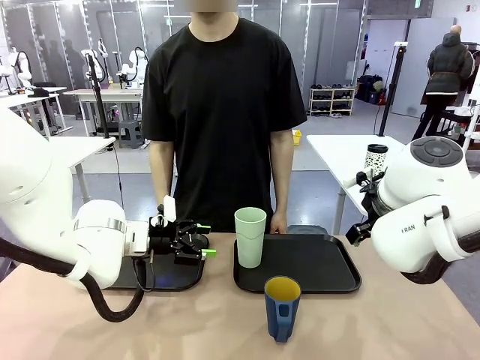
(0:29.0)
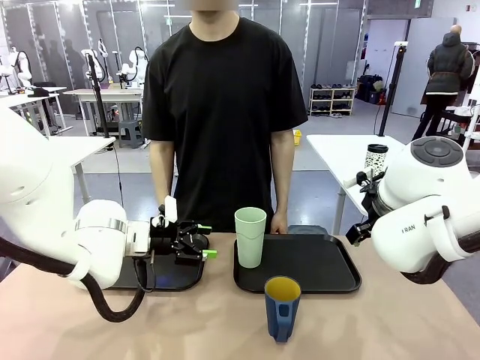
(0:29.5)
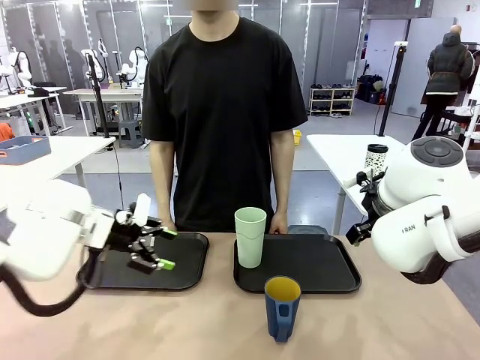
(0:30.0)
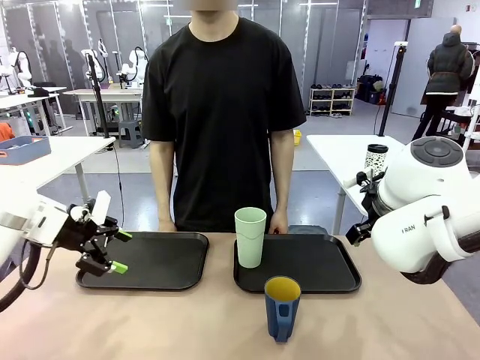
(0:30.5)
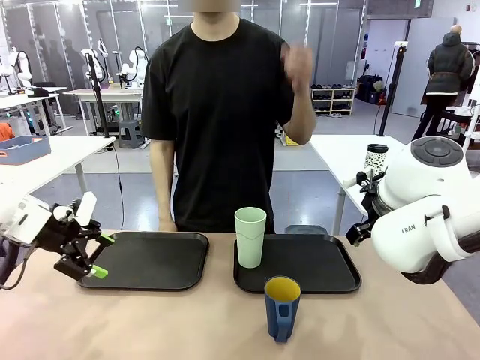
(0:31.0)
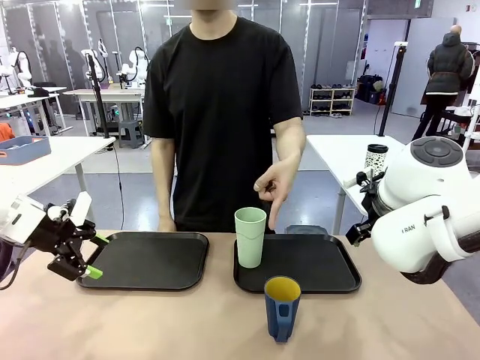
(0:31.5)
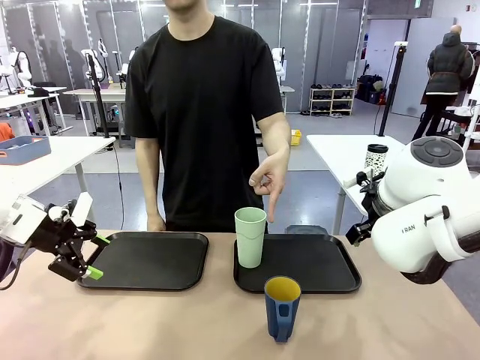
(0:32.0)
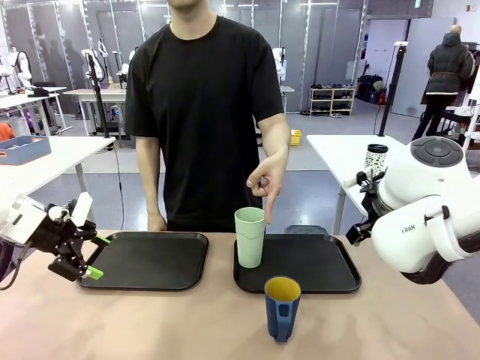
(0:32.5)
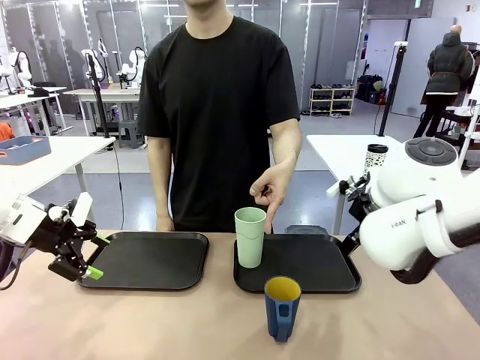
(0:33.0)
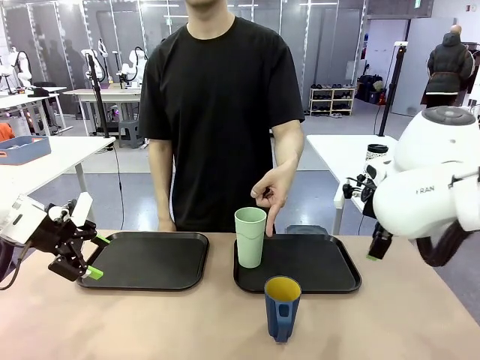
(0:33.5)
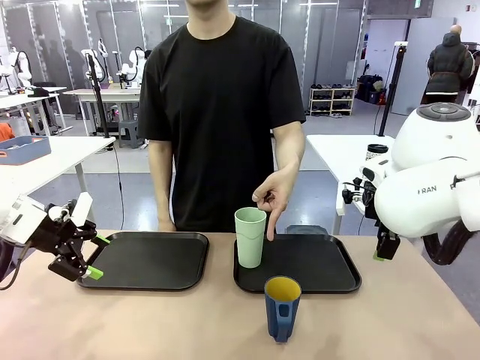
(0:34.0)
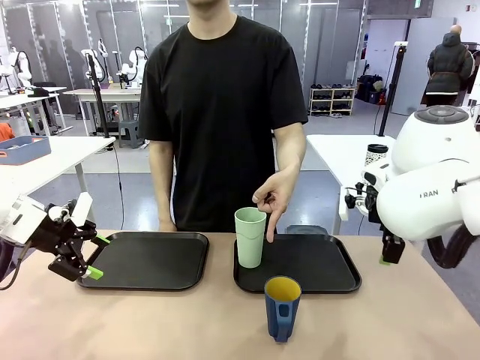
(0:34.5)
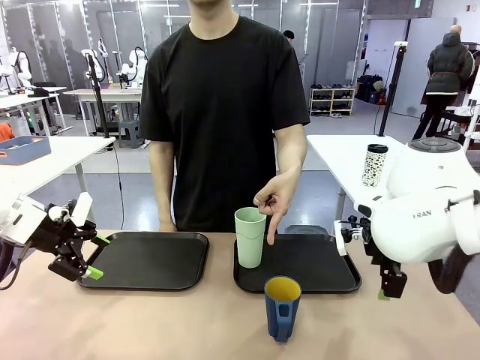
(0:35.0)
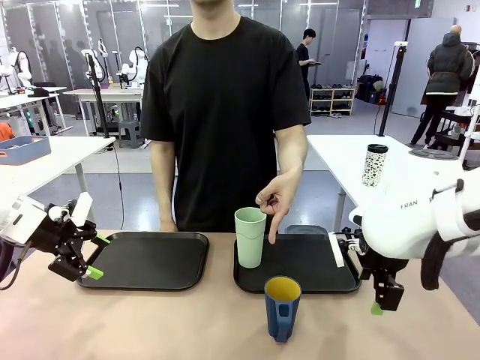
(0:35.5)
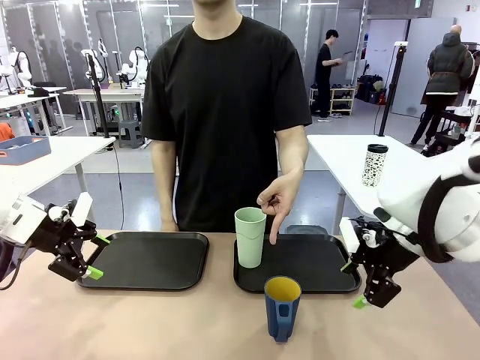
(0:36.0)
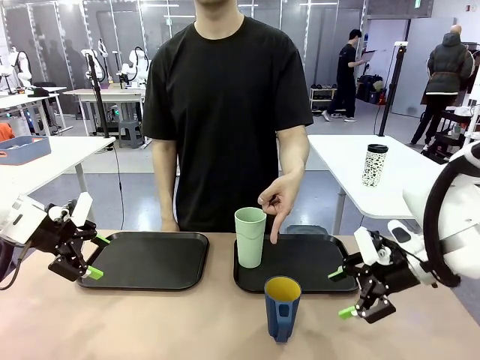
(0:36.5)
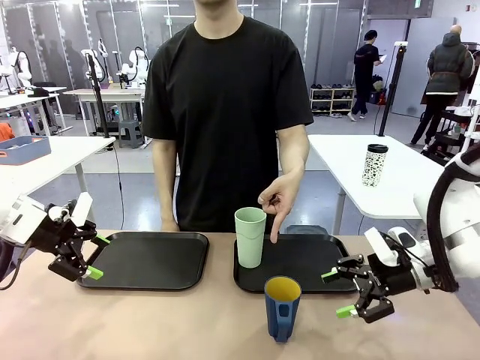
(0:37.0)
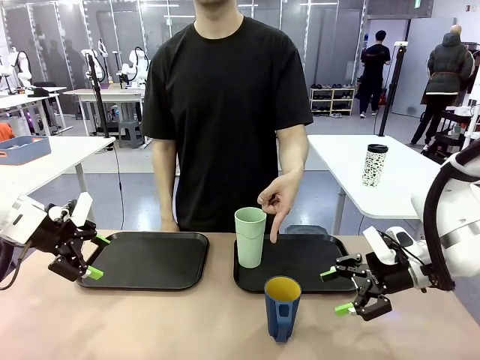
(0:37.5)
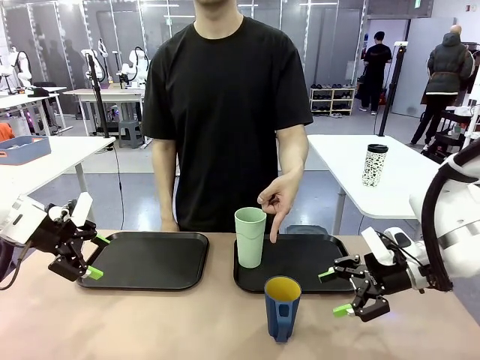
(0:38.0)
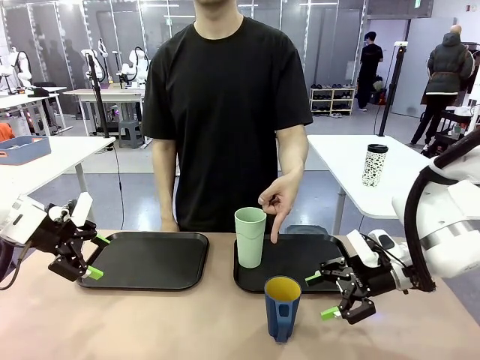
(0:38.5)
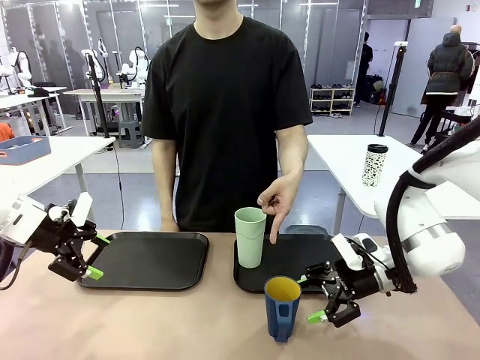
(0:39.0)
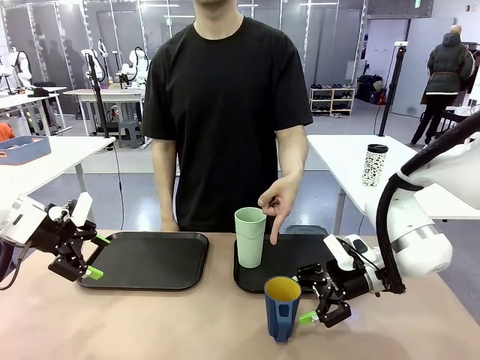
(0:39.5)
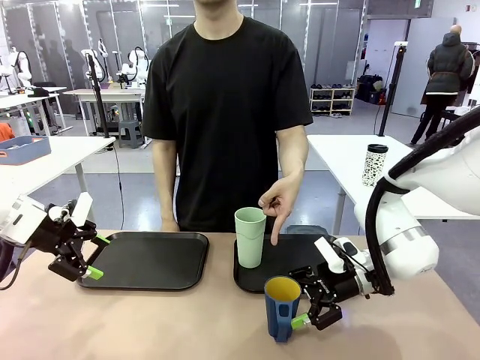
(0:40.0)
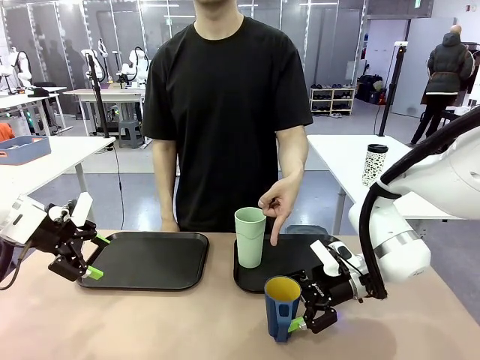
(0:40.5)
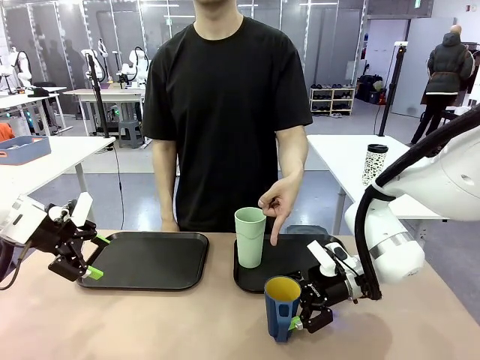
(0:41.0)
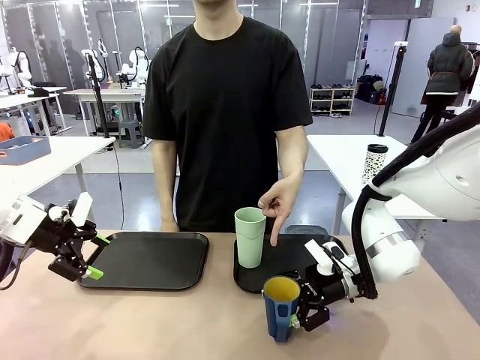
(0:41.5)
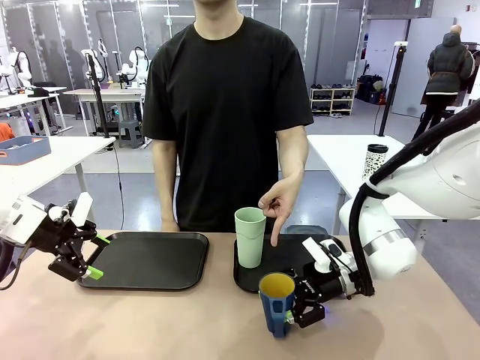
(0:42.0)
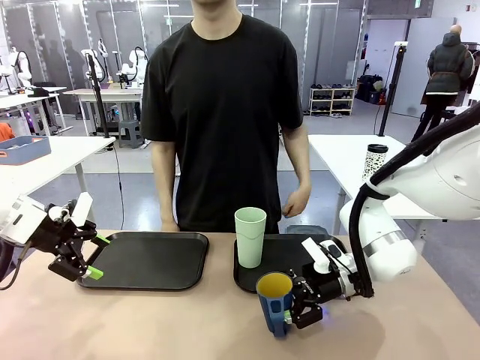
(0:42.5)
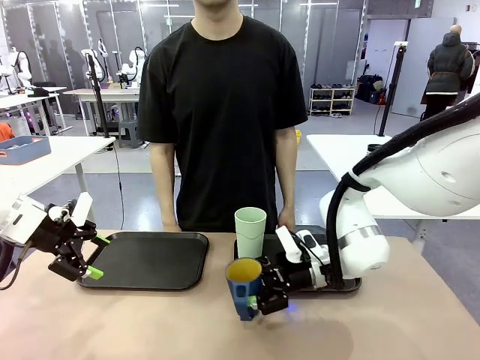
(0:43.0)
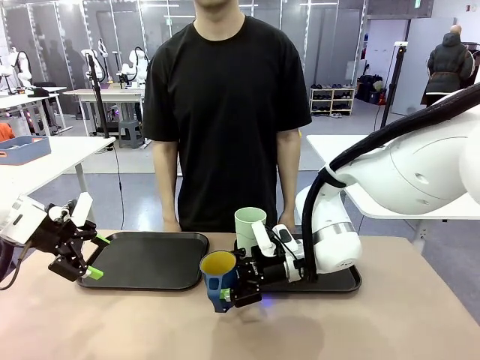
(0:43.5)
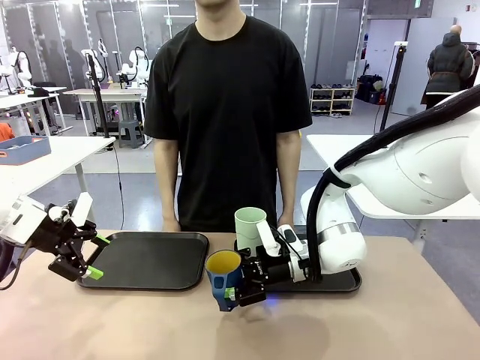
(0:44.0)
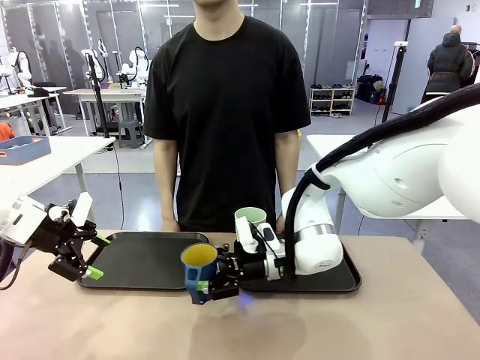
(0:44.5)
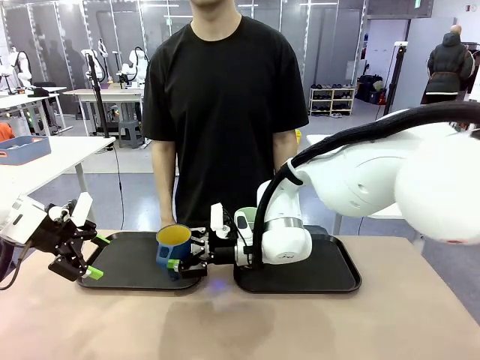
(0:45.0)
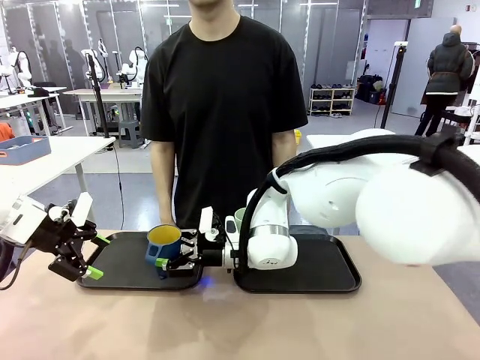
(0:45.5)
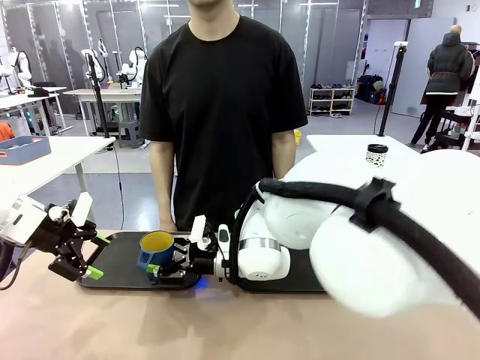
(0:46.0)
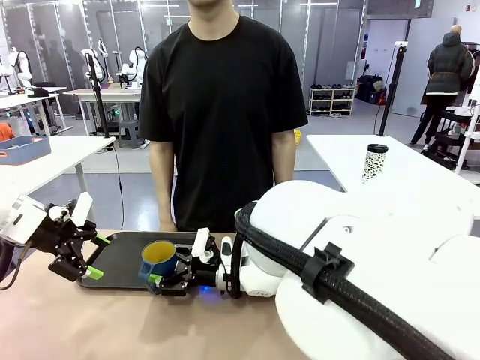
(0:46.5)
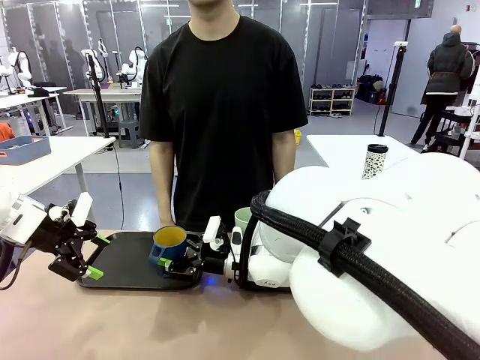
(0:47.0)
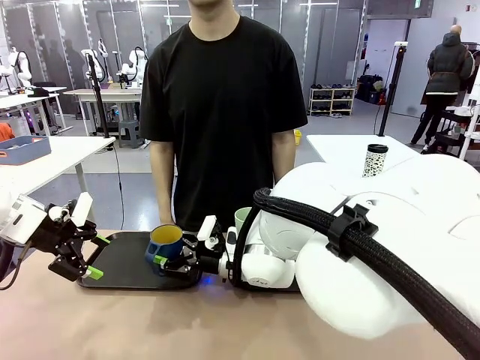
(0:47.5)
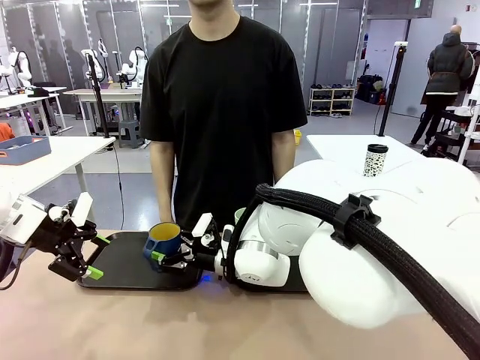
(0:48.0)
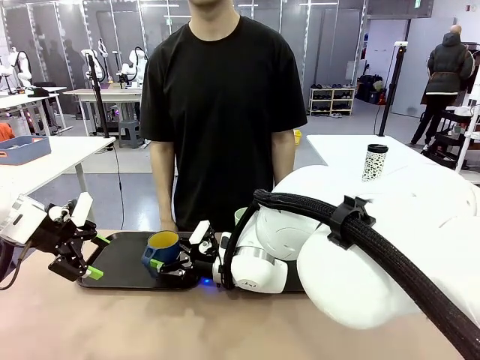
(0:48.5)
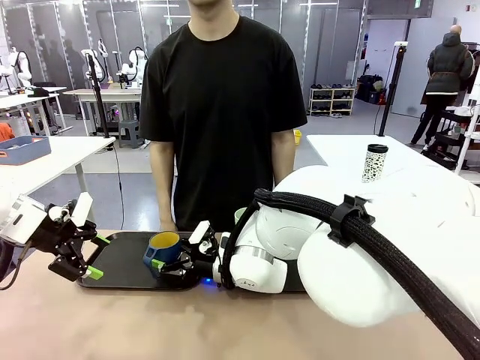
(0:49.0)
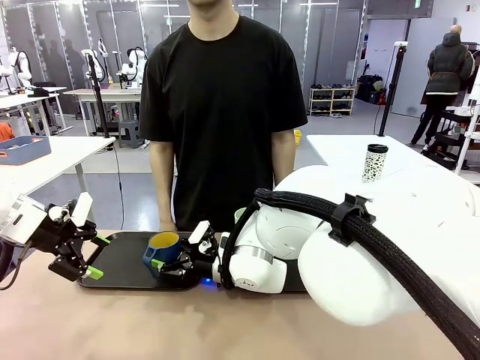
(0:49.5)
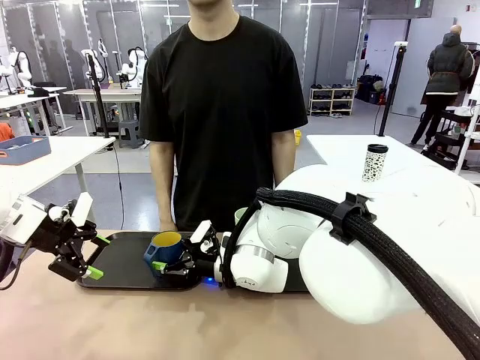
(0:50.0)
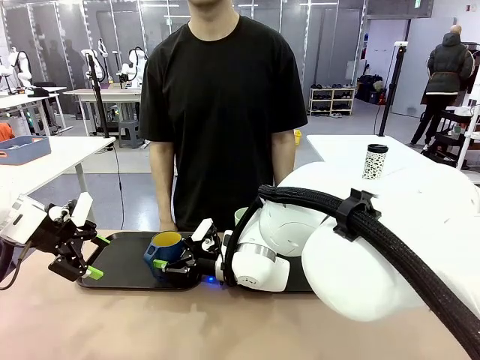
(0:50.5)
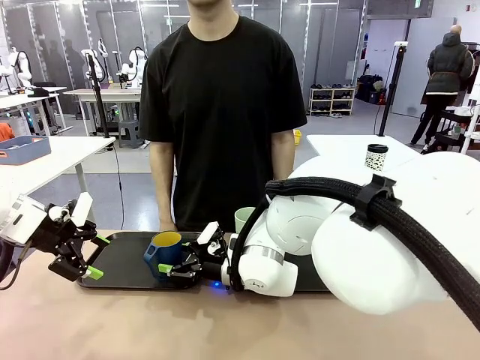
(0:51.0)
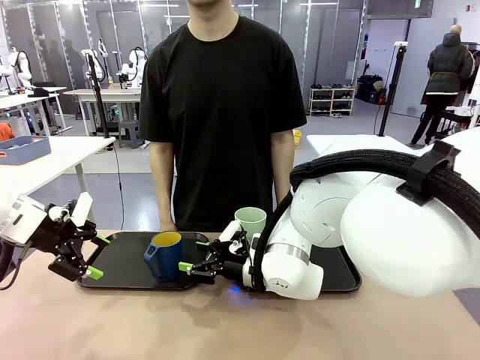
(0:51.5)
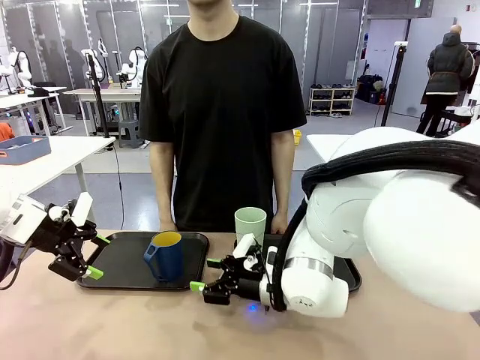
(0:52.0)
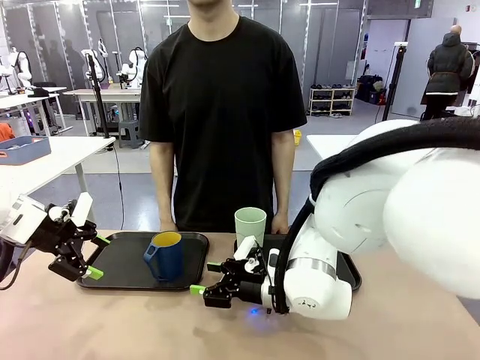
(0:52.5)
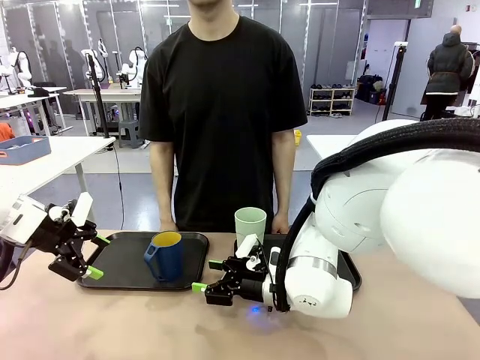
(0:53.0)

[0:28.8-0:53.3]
Task: Sort and store the cups by type.
Robot: Pick up the Handle plastic cup and place it into the empty Flat Tray.
Person: Points to the cup with a handle.
